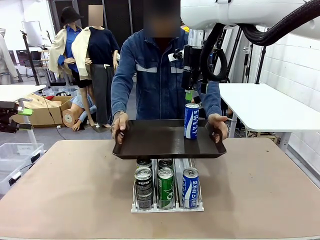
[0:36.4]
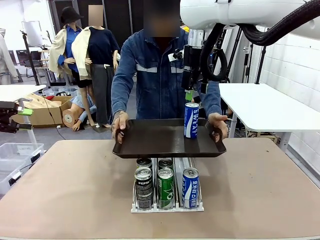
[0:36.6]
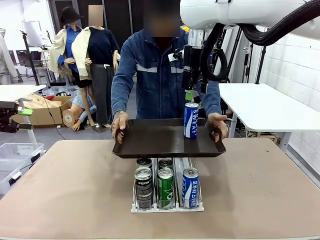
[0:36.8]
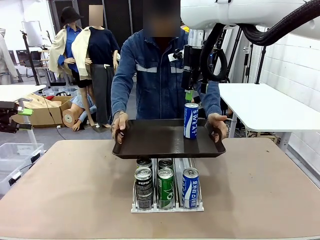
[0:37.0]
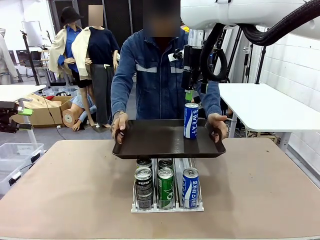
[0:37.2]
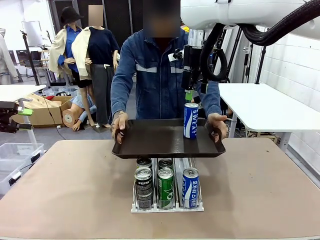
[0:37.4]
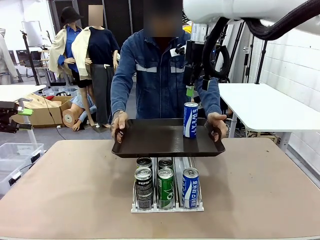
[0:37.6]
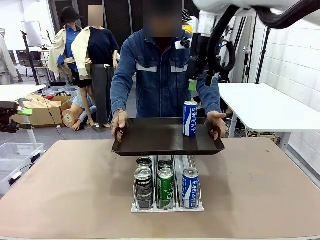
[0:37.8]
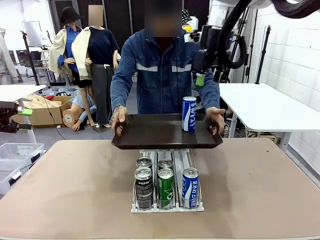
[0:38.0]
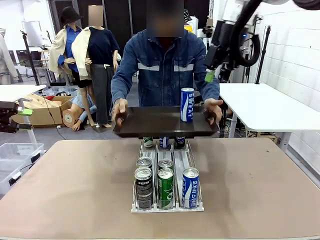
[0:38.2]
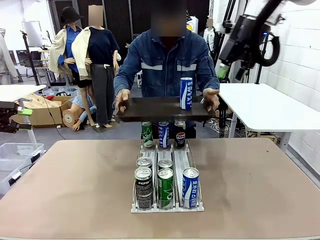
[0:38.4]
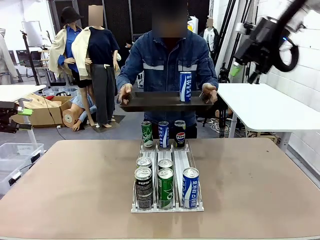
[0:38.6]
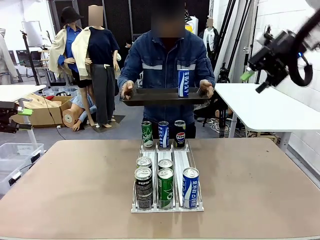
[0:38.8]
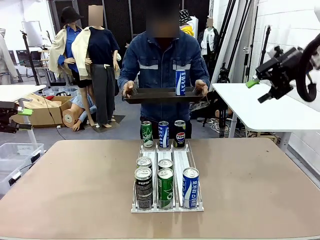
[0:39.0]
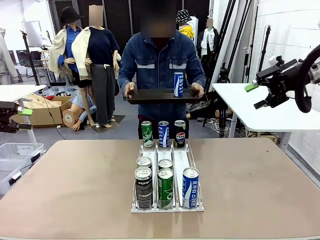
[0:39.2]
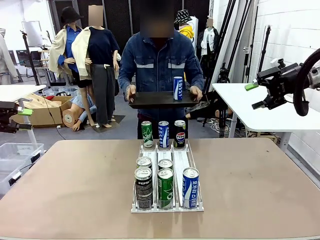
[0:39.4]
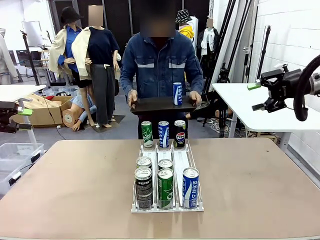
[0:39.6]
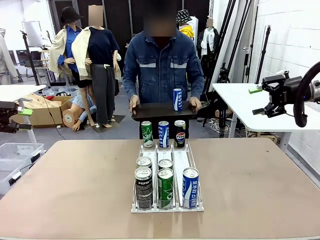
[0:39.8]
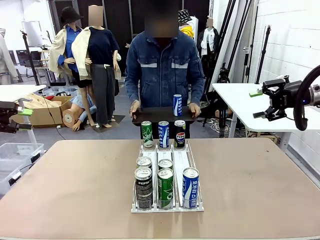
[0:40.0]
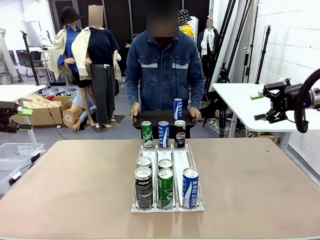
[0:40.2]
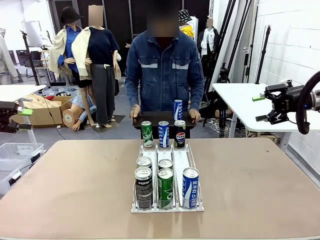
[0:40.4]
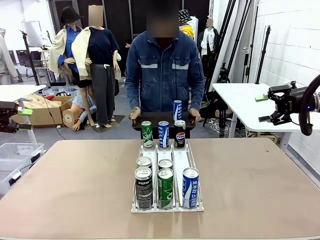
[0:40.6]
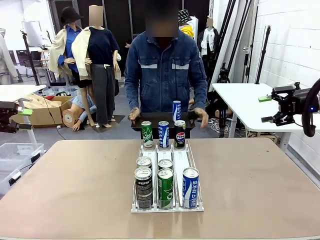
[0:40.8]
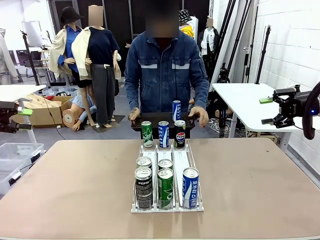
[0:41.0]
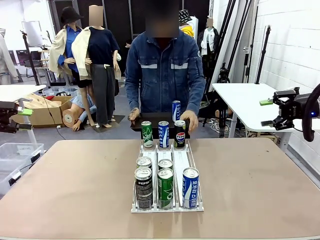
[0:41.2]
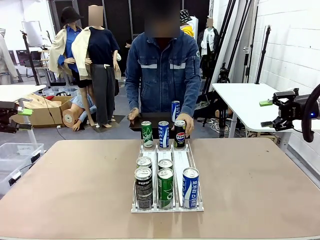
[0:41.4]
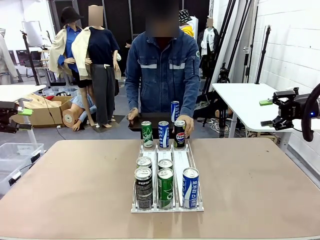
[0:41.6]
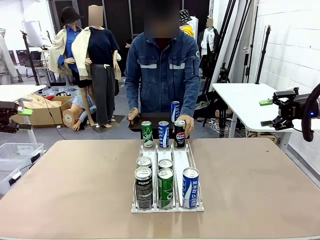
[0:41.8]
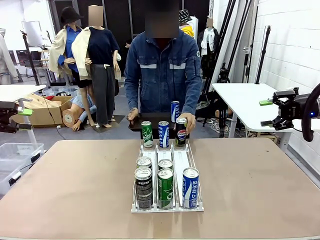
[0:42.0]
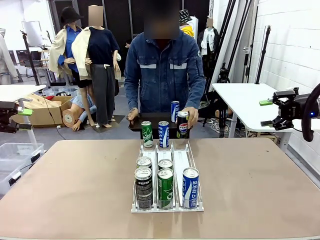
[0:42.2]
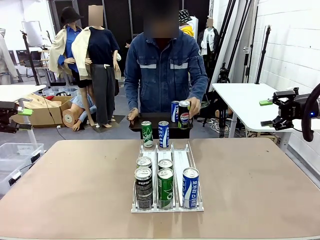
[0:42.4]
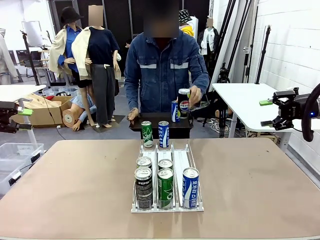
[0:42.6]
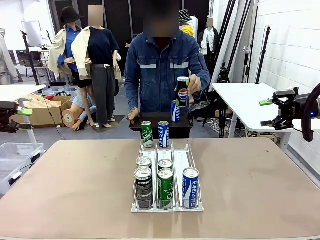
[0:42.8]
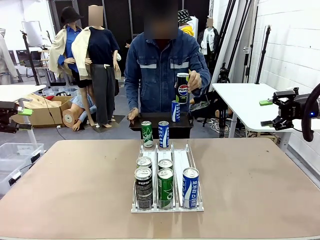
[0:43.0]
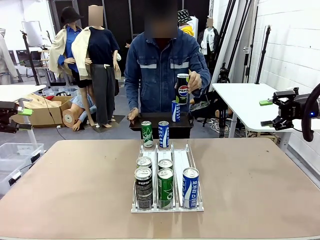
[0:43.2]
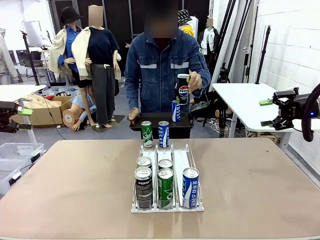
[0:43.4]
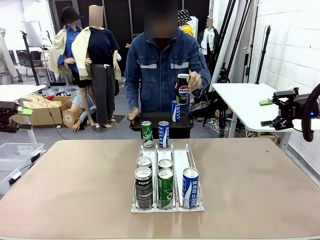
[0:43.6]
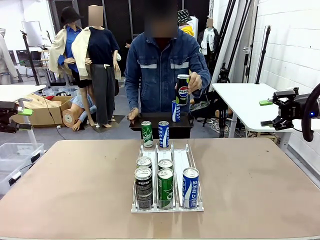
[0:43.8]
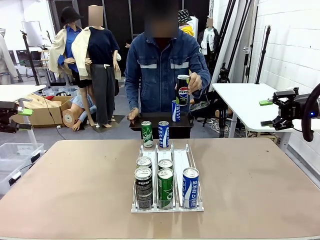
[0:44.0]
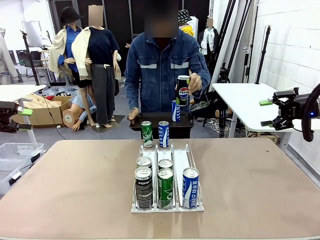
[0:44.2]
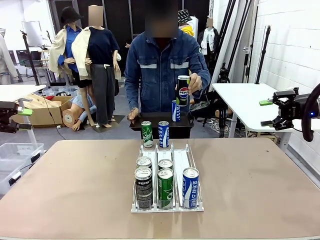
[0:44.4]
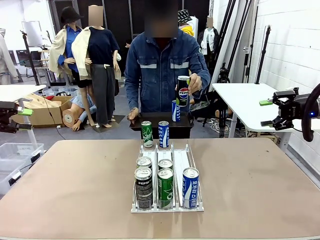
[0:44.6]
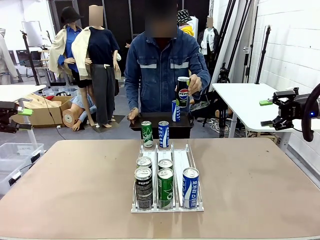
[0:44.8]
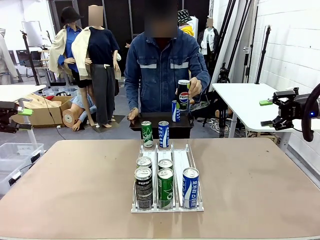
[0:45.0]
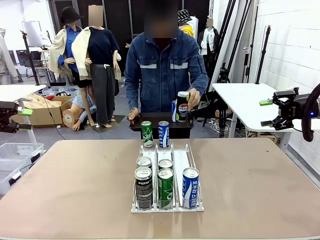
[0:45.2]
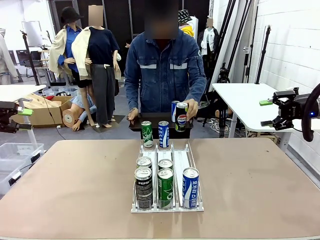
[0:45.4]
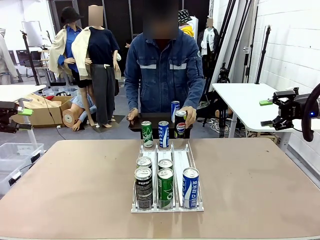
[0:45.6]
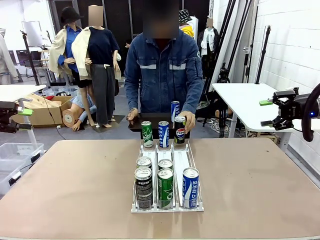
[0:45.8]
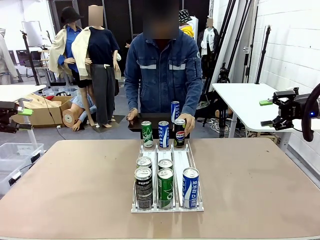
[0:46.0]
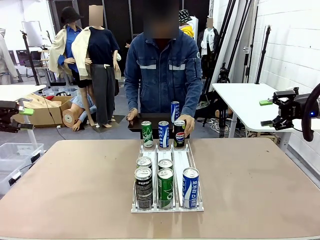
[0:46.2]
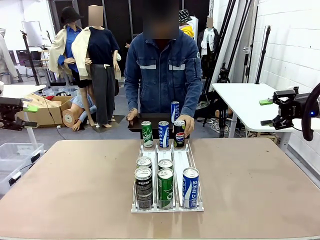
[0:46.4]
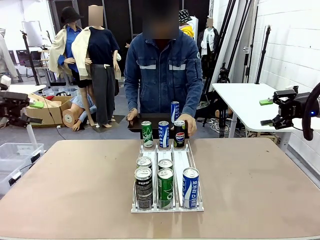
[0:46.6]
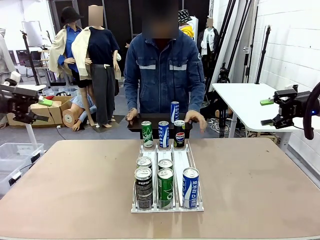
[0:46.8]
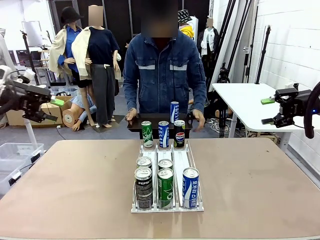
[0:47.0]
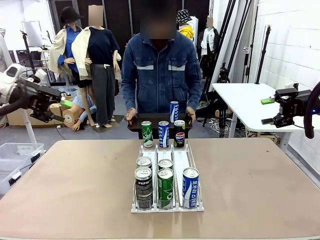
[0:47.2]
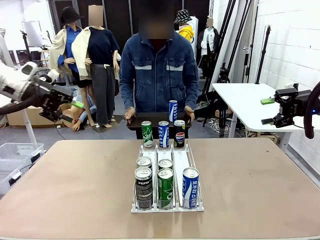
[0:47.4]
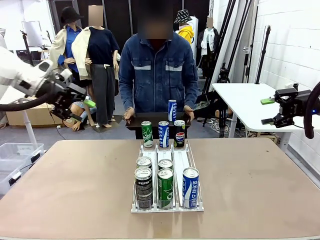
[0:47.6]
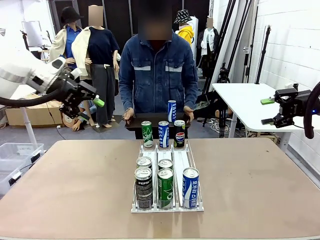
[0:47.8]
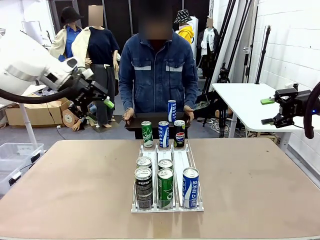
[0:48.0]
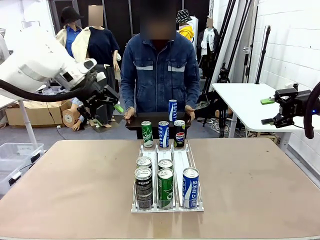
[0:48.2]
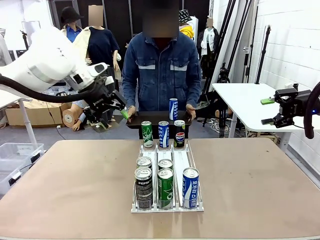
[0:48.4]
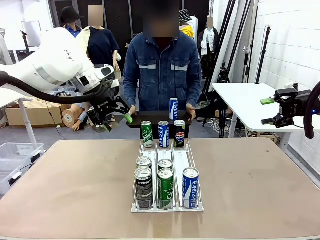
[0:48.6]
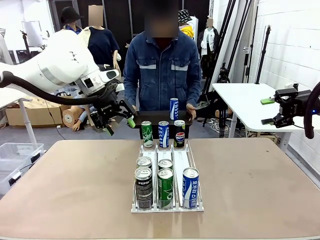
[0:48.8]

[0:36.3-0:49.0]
Task: Retrieve and hand over the desired beverage to the person.
Robot: Pick up another can of the same type that the person held from the Automatic Can Dispenser.
Person: Pull the tray back, then pick up another can from the bottom area of the table and puts it back in its original place.

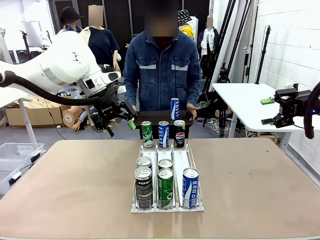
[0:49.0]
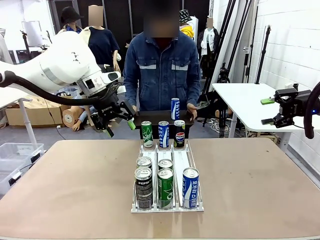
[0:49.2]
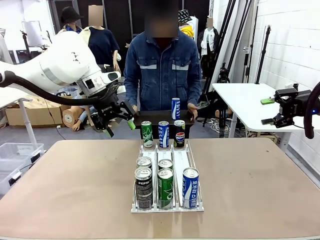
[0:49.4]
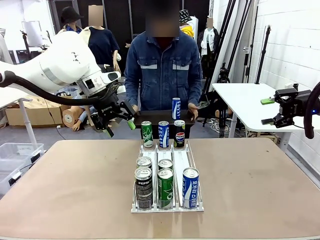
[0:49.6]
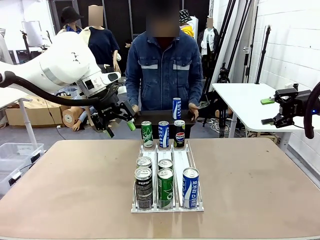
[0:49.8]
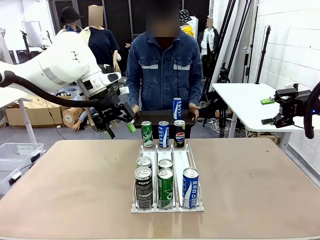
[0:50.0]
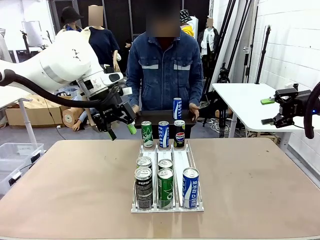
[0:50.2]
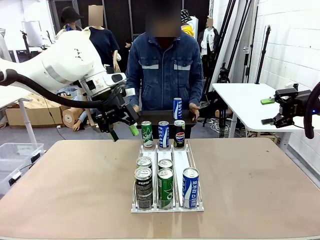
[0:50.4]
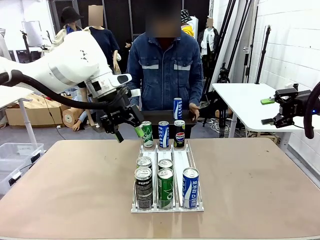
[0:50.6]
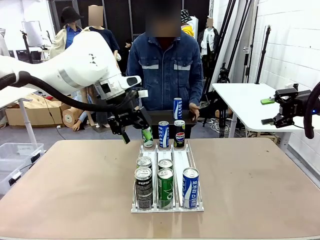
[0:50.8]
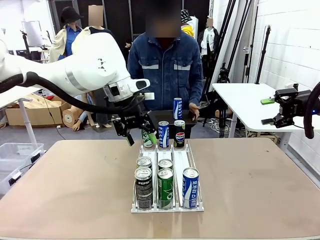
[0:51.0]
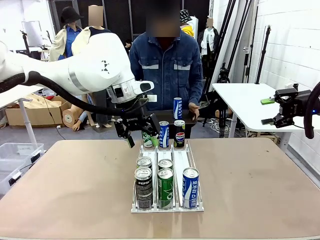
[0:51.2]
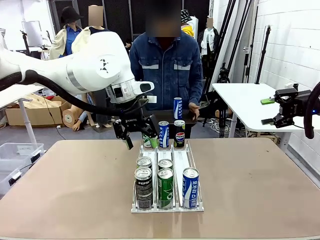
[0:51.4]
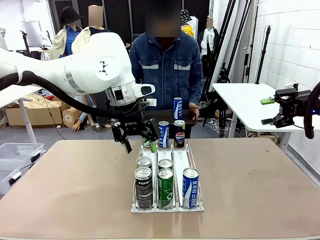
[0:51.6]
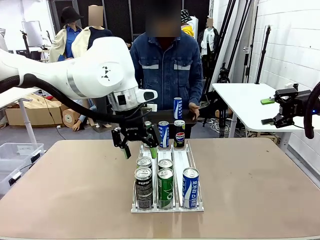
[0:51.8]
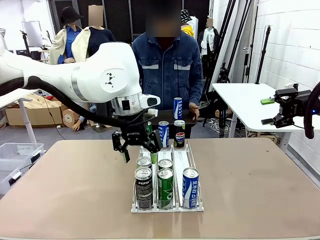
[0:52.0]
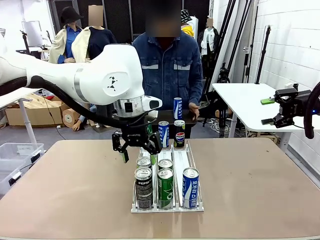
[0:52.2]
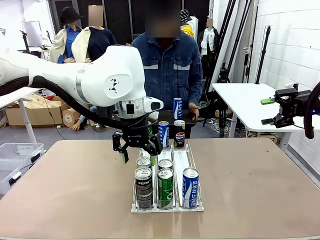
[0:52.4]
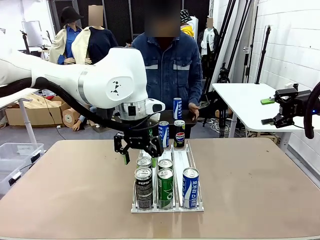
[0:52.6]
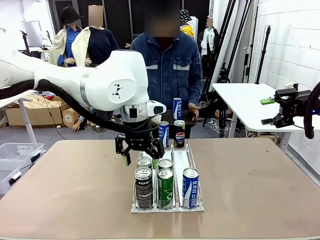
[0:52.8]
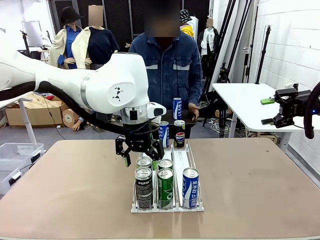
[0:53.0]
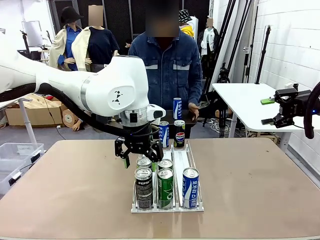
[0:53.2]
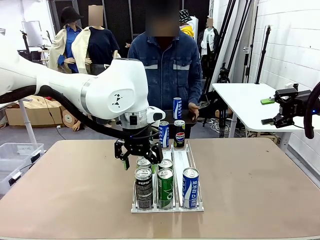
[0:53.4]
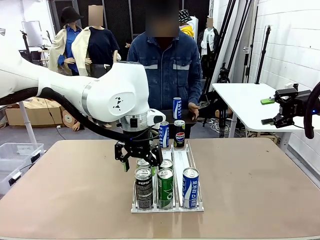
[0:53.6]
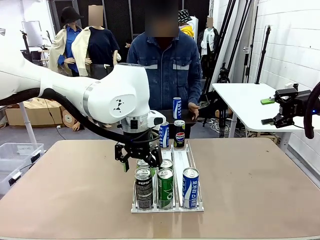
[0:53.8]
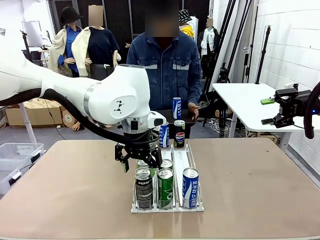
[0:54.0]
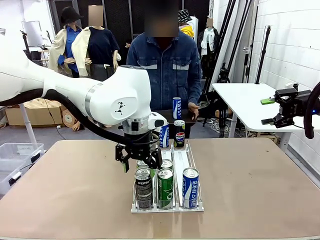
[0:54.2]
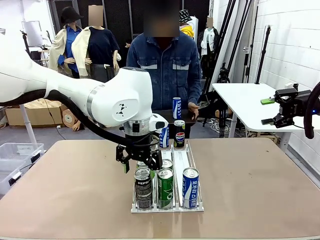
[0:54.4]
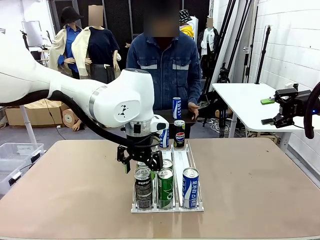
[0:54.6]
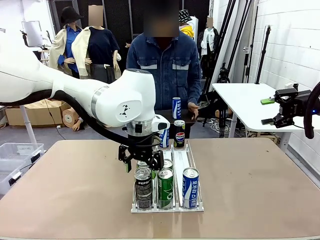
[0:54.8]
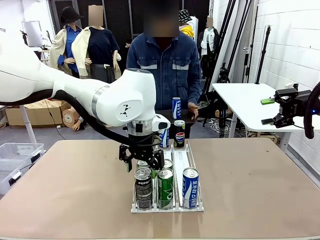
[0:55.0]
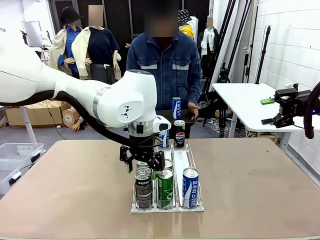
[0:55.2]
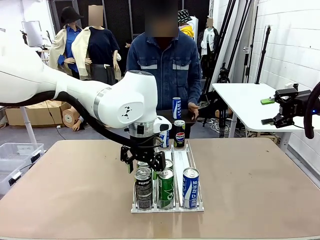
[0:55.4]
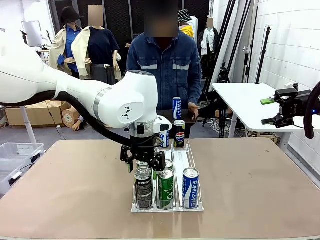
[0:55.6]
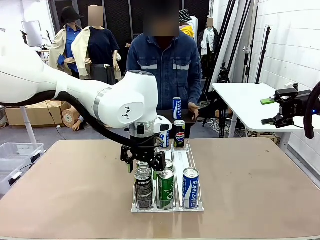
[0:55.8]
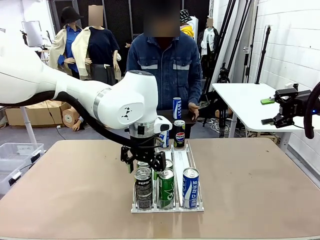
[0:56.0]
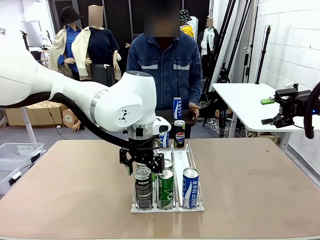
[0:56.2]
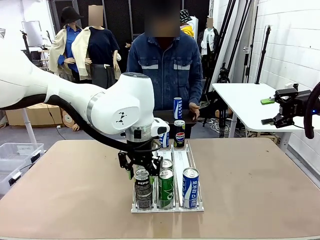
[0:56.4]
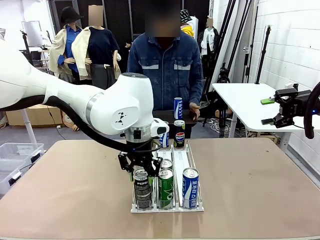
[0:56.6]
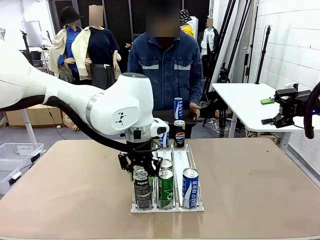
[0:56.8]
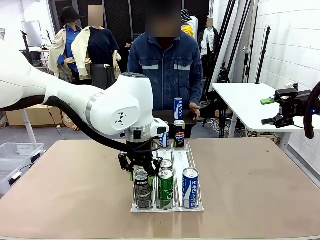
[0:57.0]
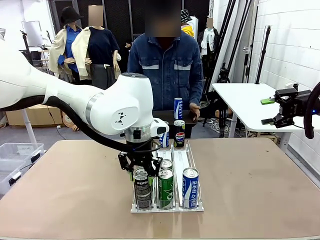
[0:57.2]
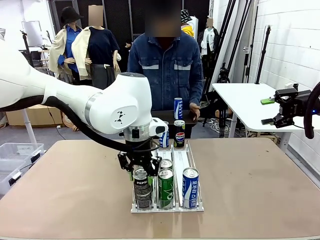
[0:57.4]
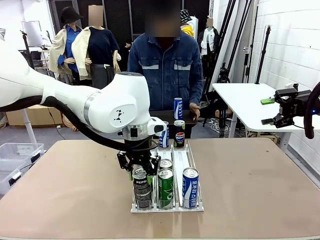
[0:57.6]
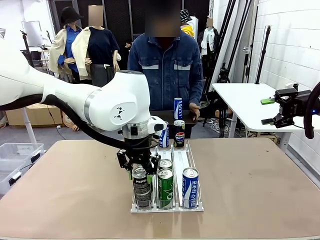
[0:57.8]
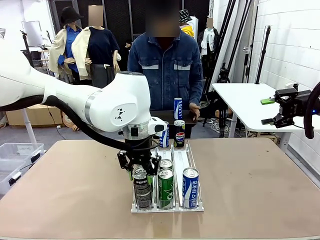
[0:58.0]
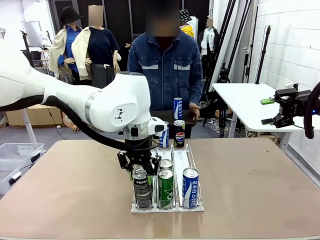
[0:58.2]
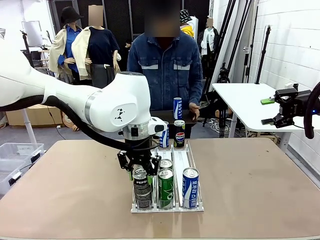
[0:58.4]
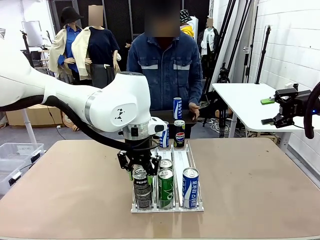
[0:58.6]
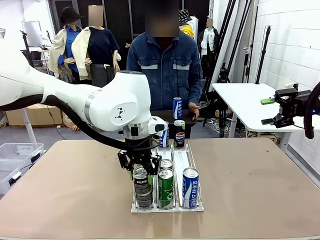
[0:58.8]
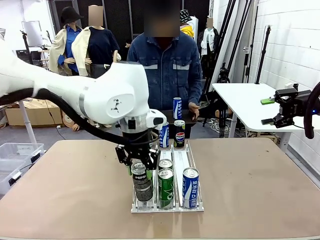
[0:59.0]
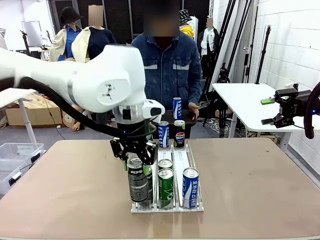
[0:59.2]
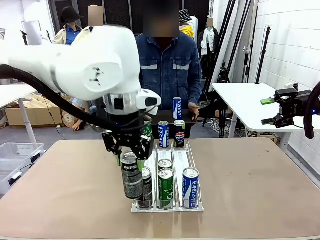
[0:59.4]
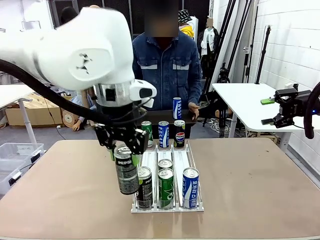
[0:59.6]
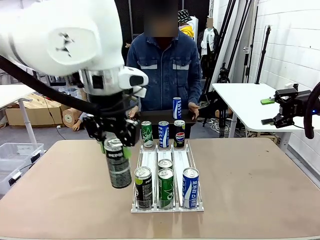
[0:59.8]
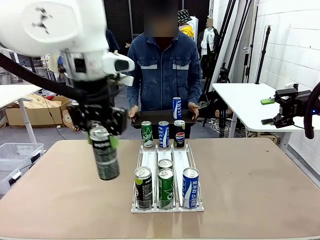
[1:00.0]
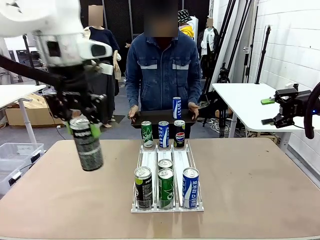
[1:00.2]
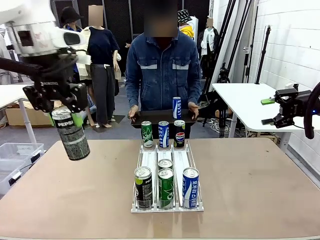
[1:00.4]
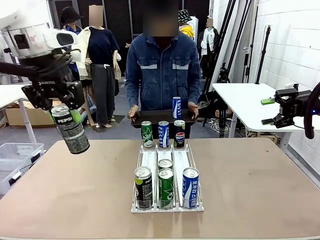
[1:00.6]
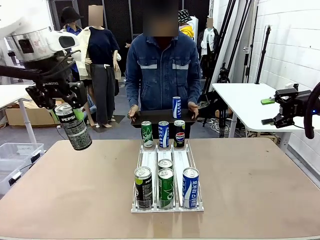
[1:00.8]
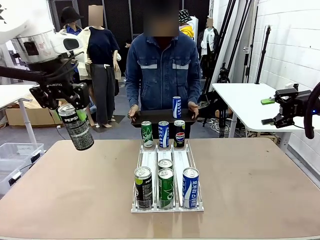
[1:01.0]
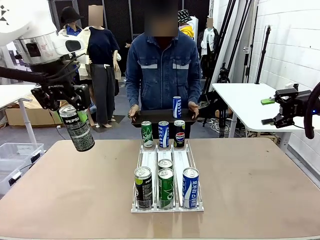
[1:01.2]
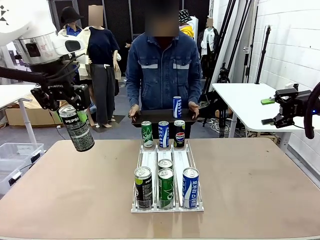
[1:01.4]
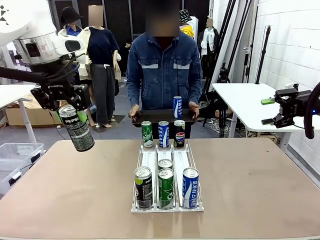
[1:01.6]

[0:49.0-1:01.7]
Robot: Pick up another can of the same type that the person held from the Automatic Can Dispenser.
Person: Push the tray toward the robot again.
